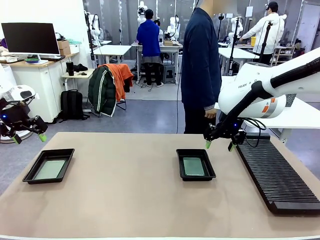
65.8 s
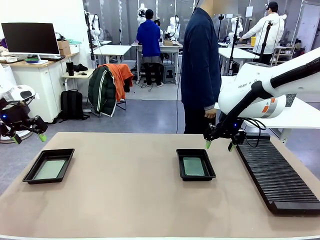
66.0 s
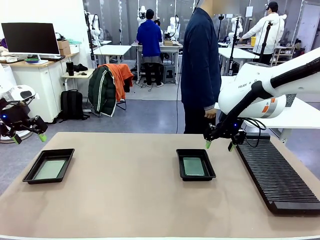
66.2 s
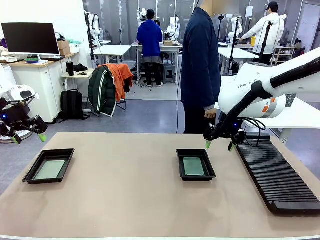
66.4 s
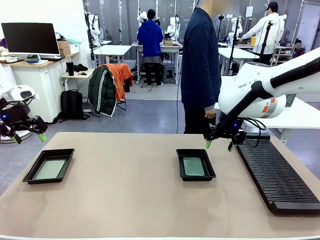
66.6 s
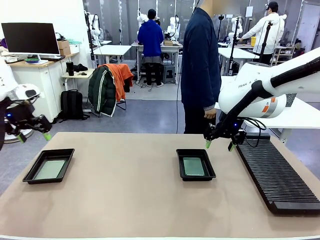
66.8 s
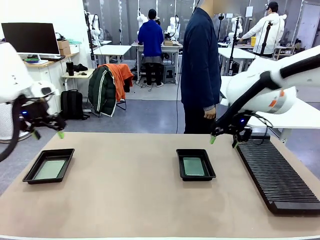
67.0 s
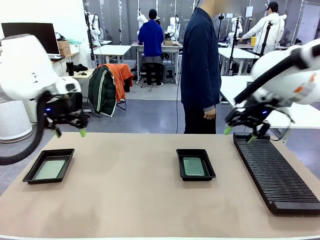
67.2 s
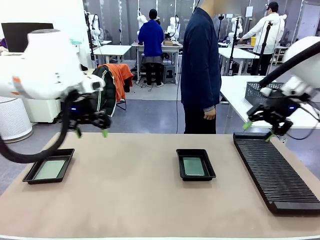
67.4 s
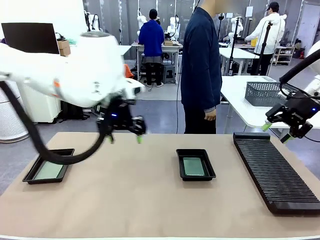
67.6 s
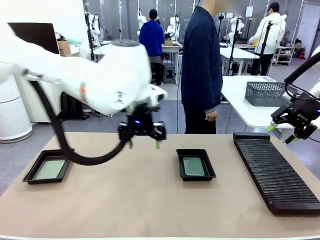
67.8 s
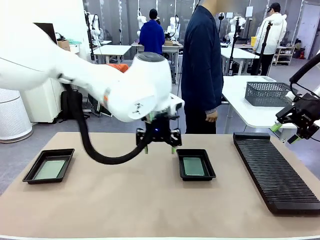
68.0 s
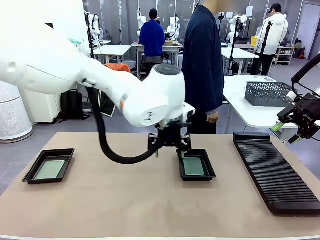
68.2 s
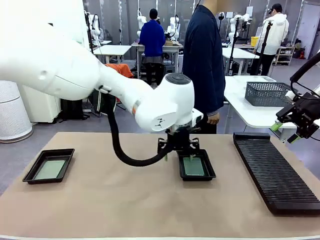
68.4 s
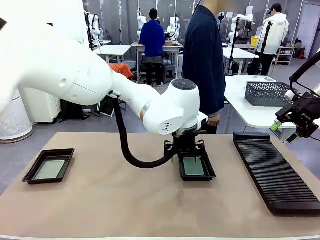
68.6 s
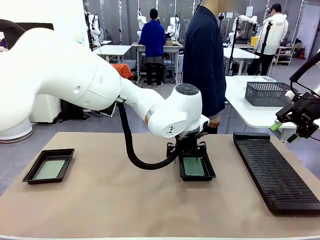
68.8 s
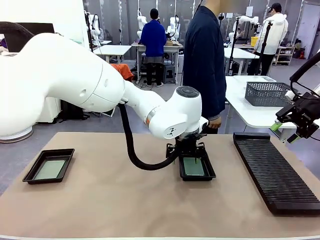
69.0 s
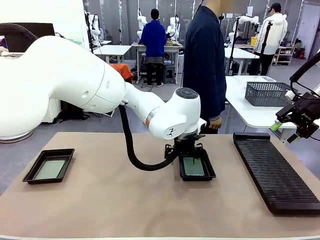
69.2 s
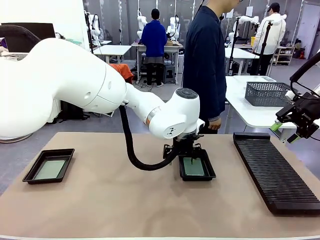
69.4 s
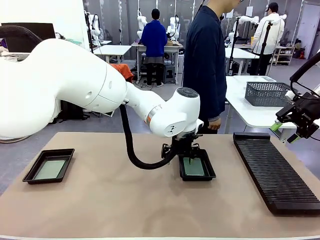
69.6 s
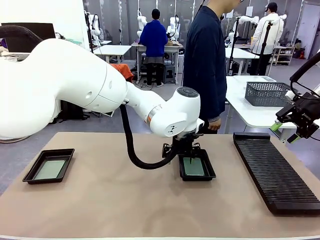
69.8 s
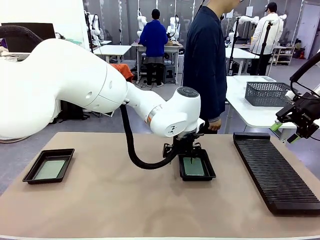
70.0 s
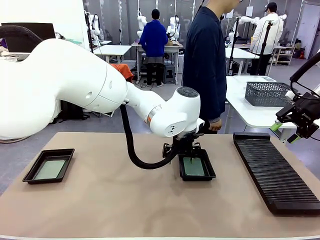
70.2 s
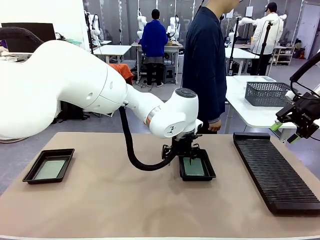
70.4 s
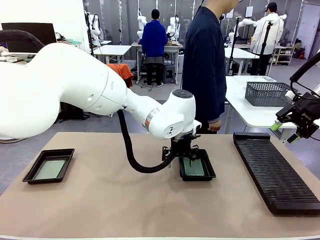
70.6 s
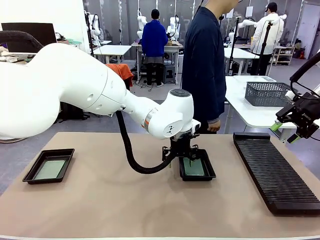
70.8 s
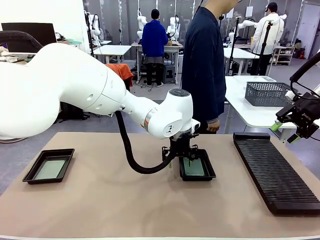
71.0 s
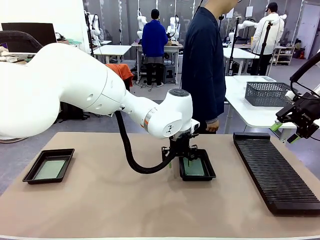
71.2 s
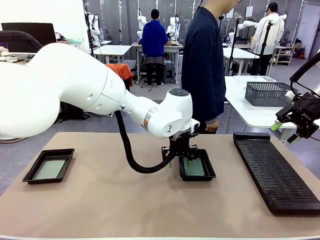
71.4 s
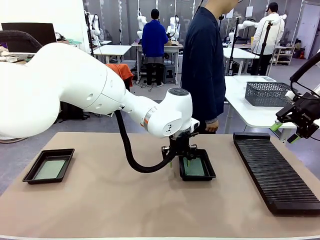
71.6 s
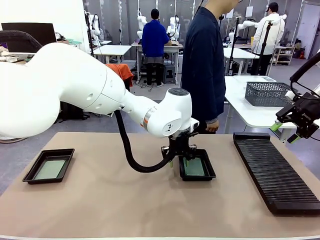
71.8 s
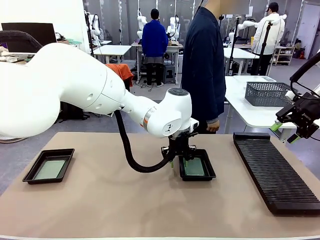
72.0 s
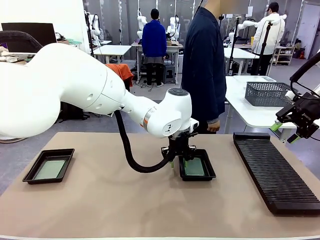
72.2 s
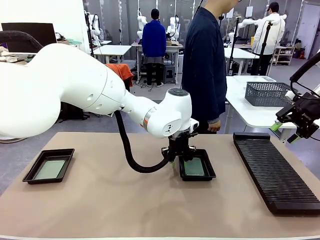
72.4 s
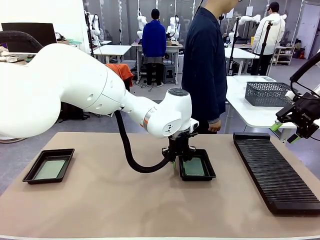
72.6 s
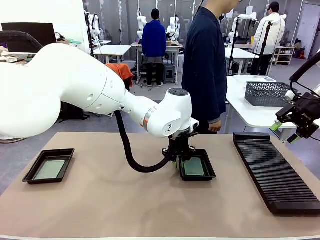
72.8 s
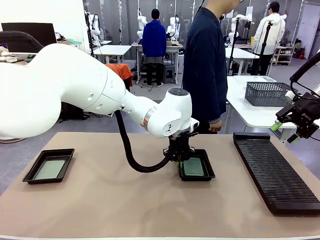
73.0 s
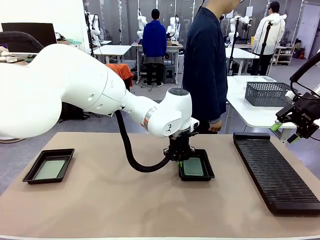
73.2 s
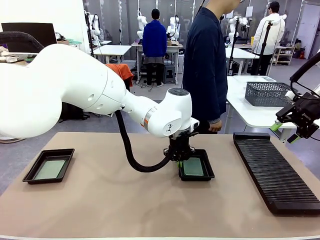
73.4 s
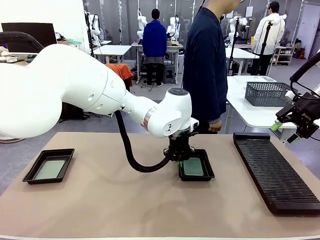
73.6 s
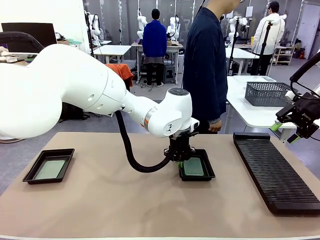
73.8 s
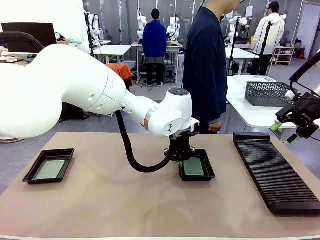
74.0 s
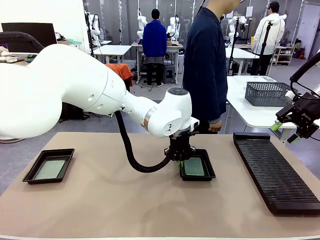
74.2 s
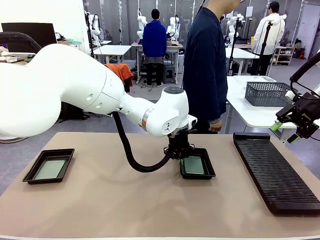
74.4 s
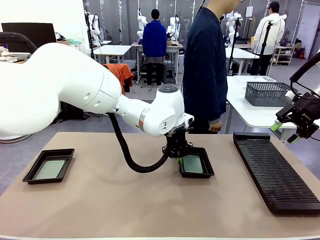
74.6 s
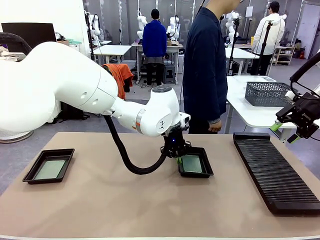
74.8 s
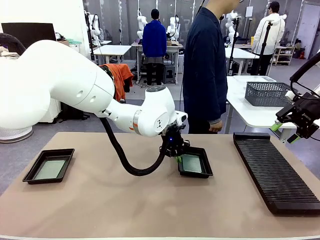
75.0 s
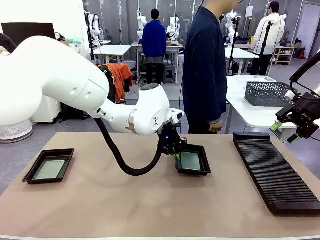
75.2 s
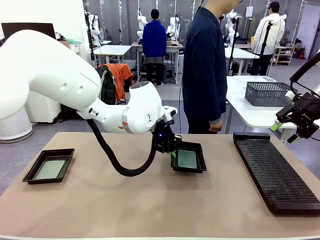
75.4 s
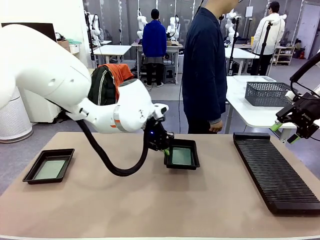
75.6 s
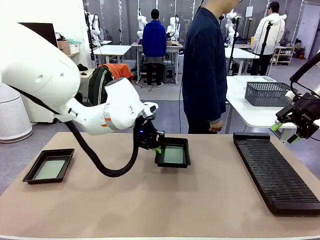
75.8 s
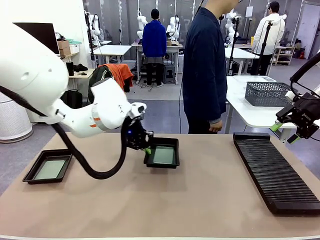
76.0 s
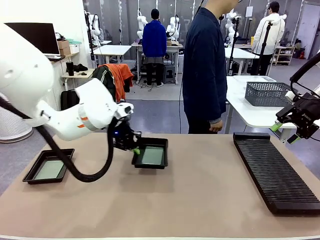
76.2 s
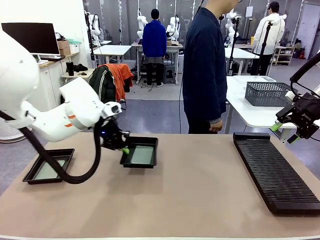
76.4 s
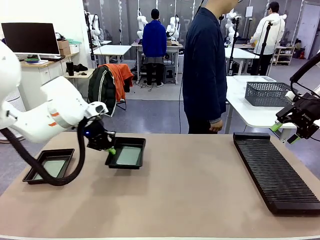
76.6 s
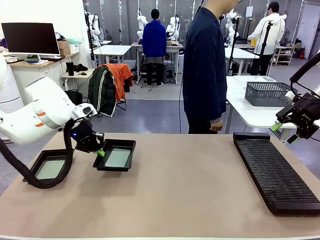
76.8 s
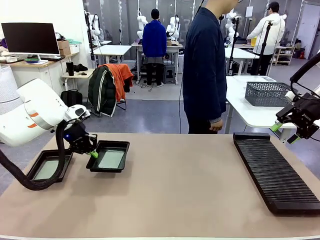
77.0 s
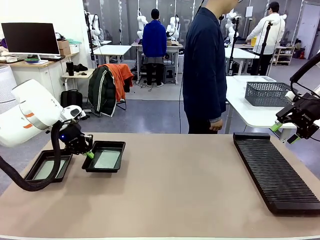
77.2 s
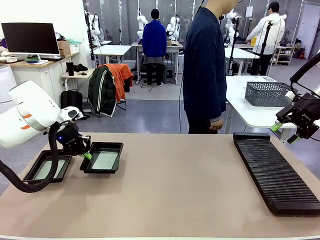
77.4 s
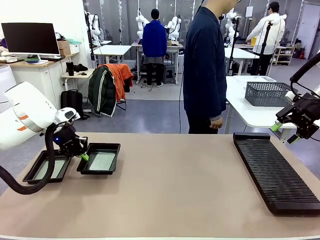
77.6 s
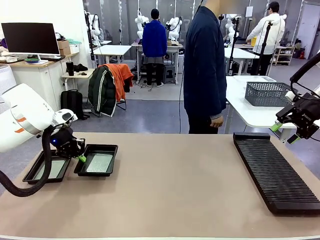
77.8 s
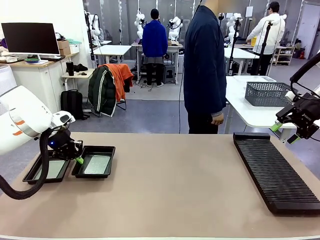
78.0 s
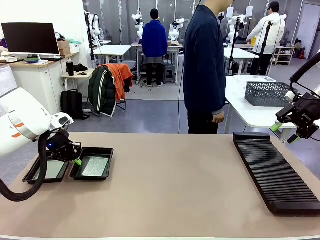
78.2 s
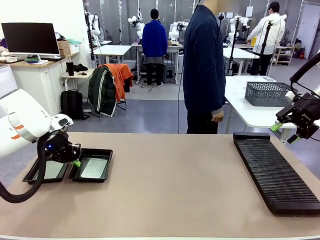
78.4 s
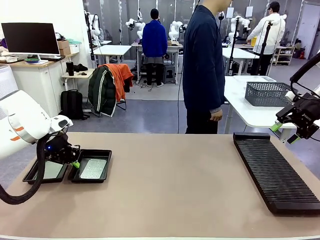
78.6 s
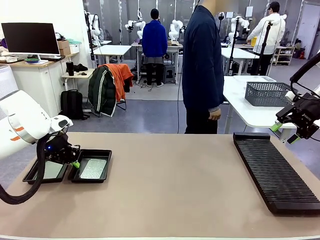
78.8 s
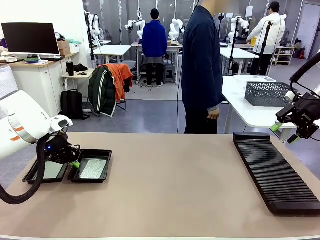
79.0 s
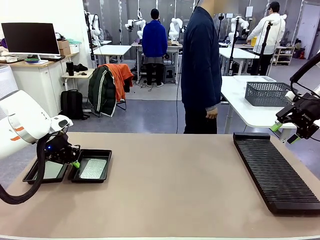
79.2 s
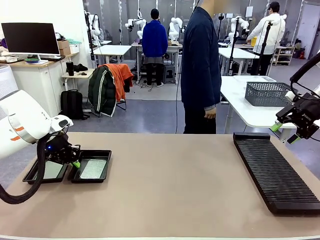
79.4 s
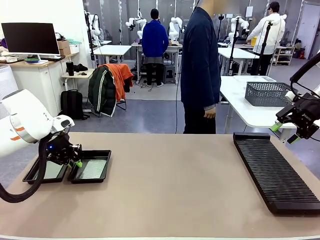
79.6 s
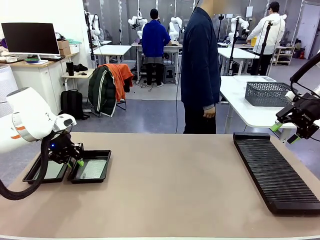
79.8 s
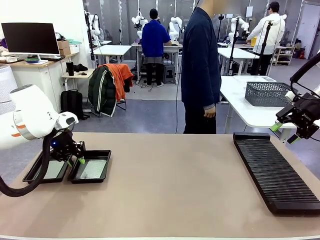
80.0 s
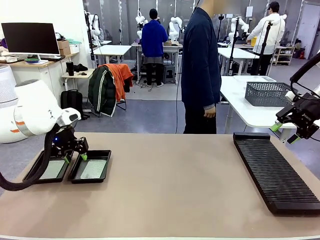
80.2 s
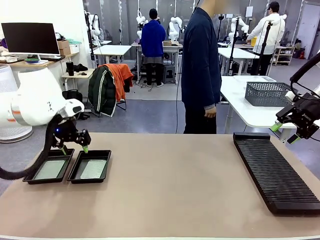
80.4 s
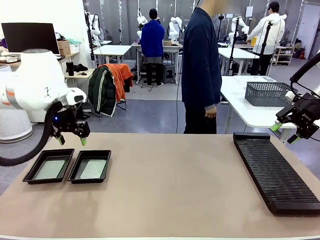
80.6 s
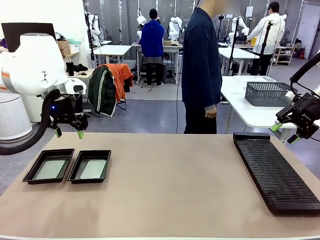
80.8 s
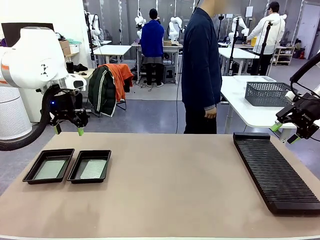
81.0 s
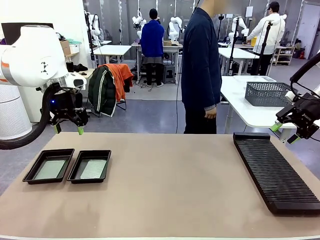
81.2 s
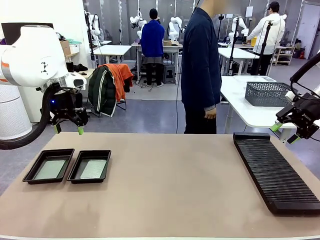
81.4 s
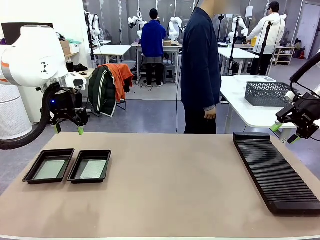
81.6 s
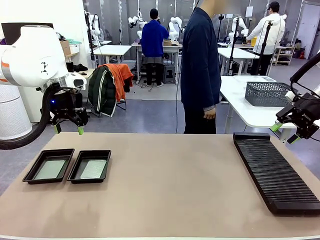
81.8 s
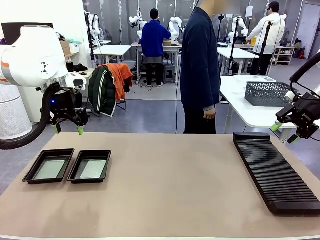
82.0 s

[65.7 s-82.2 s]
Task: Inspect and transfer BCBs to ESD trays.
Robot: Pick up the ESD tray and place it on the left side of the table.

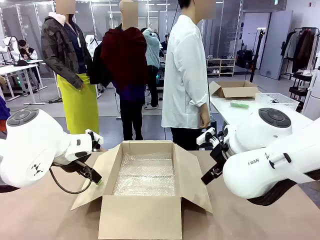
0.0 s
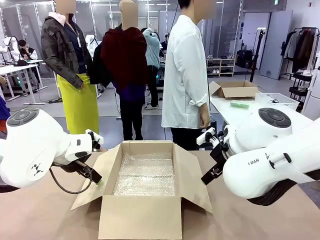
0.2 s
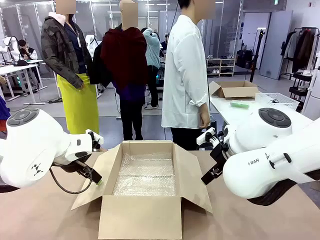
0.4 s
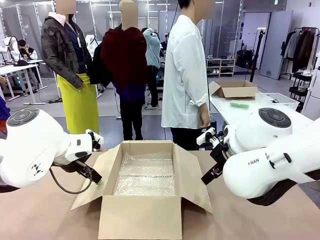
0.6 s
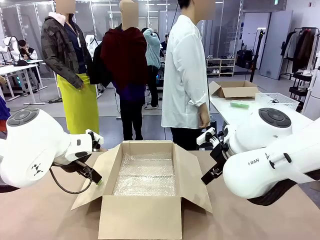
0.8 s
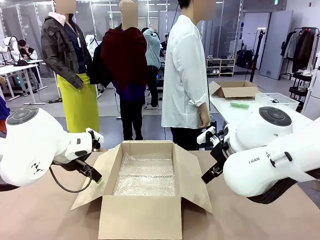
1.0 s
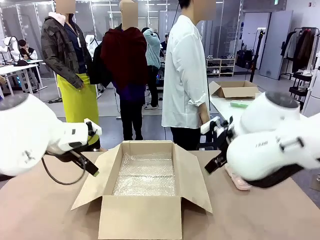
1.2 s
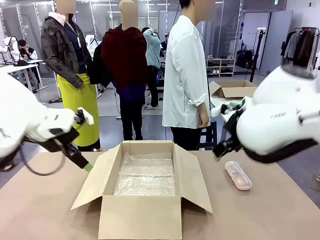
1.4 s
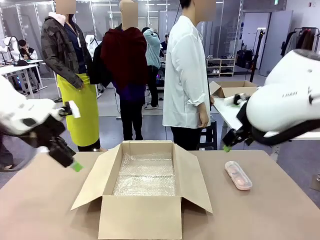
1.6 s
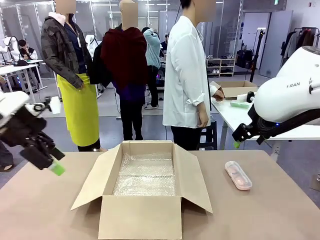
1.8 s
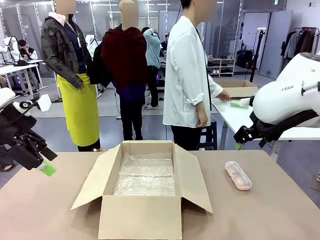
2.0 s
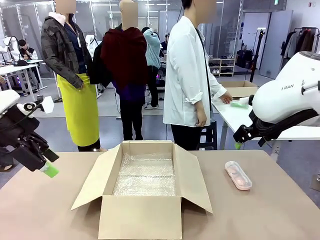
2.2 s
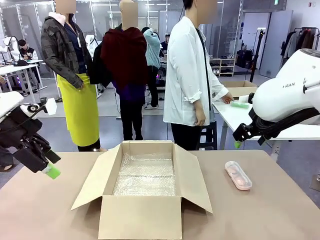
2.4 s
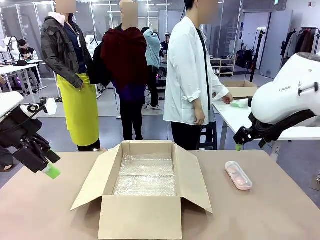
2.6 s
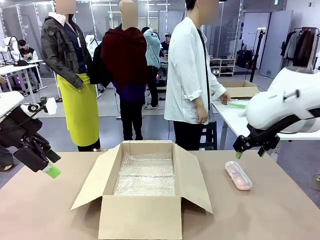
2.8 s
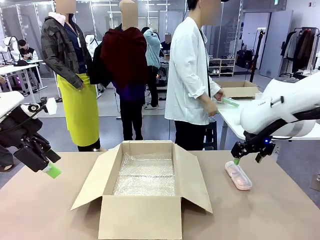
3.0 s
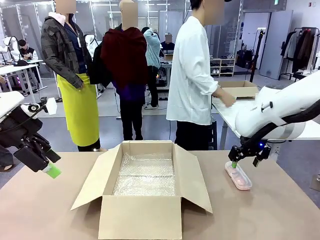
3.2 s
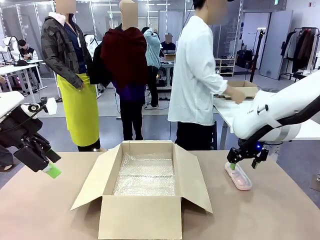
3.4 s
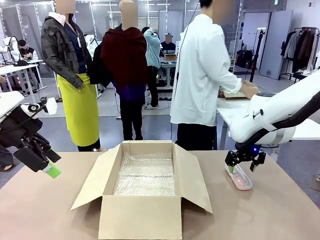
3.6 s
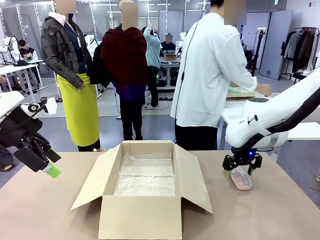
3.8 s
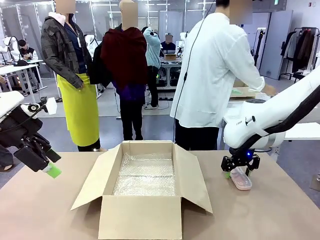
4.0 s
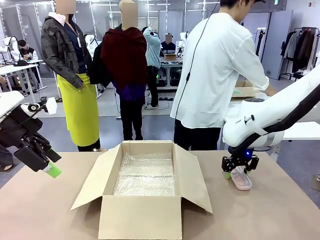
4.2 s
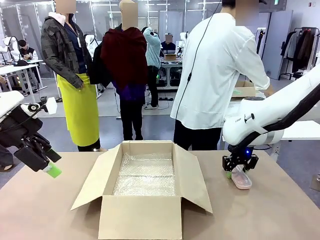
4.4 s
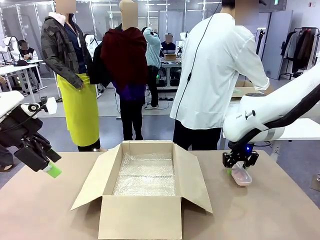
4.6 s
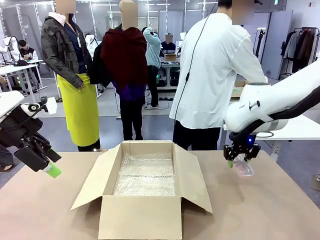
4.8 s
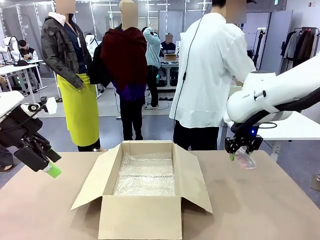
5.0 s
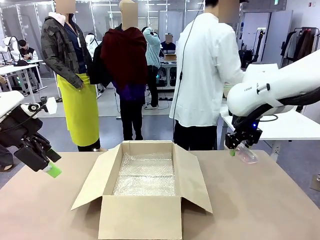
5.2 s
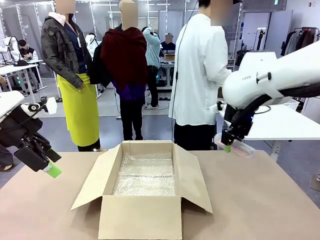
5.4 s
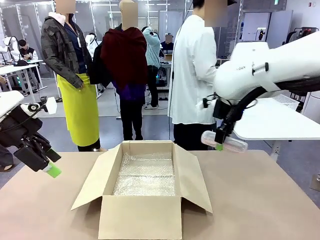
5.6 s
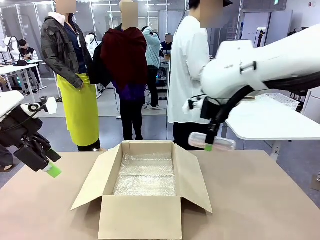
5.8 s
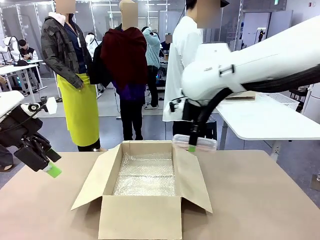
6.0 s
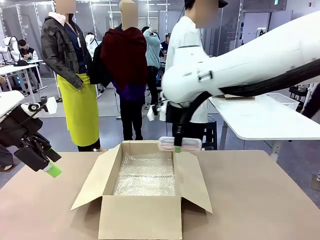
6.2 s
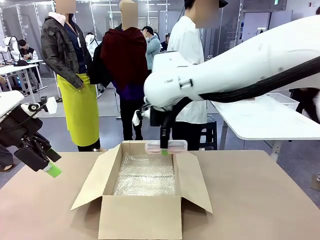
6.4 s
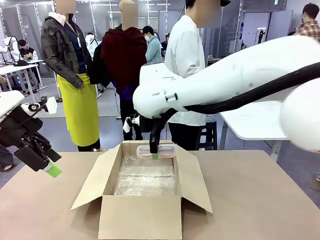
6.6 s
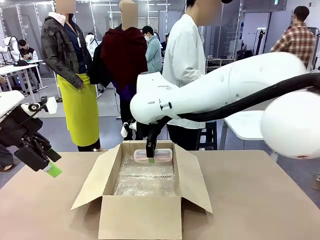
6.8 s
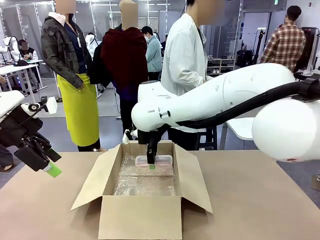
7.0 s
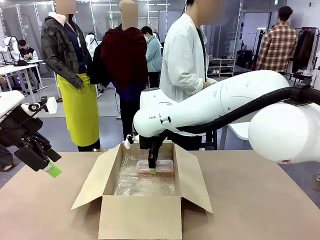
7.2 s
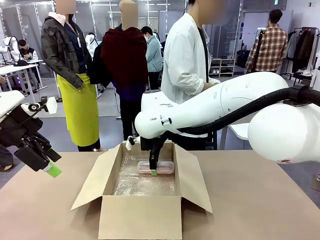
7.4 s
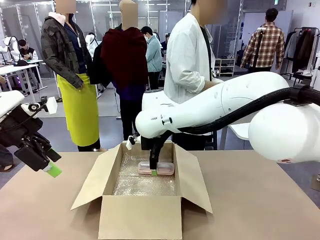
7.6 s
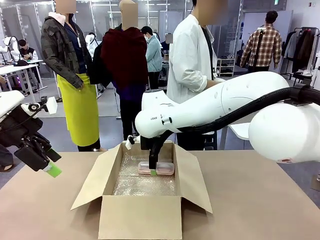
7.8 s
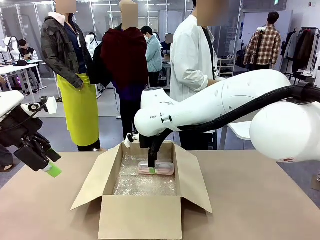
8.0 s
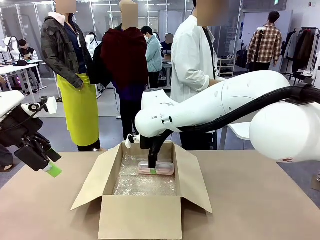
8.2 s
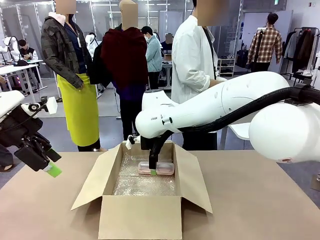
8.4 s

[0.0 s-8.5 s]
Task: Pack the glasses set securely to prepare it for shipping.
Robot: Place the Glasses case inside the Package Box.
Person: Place the Glasses inside the Glasses case.
